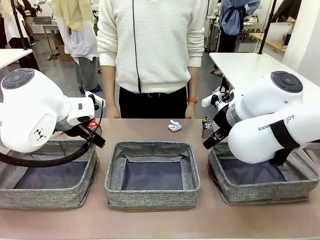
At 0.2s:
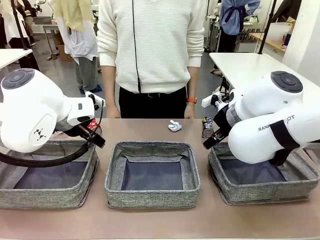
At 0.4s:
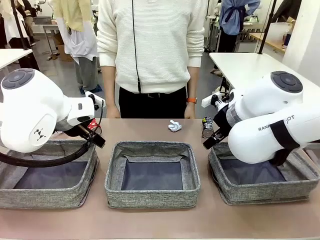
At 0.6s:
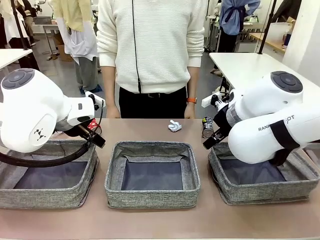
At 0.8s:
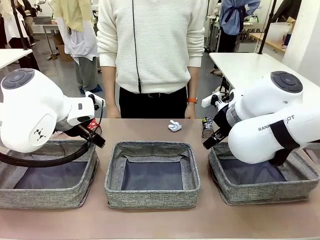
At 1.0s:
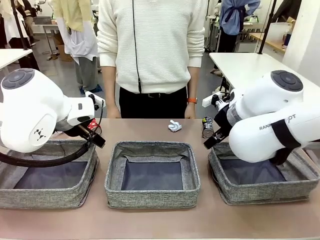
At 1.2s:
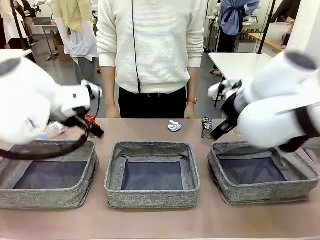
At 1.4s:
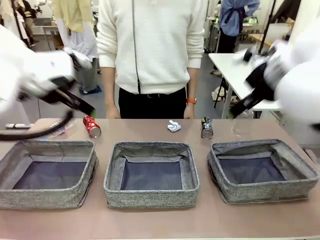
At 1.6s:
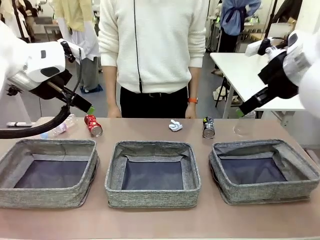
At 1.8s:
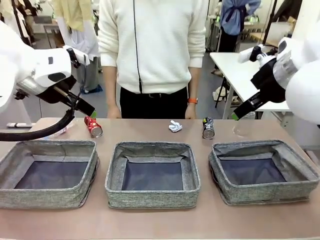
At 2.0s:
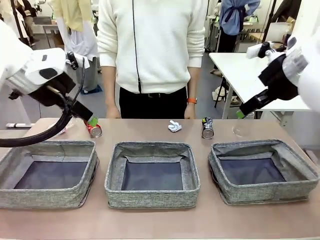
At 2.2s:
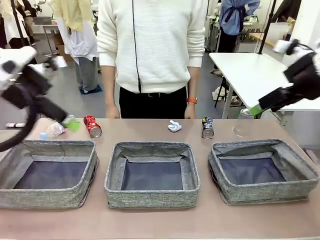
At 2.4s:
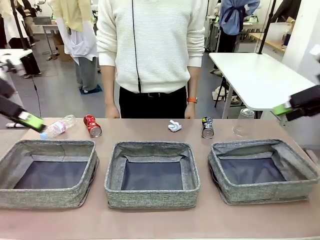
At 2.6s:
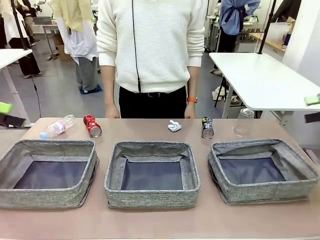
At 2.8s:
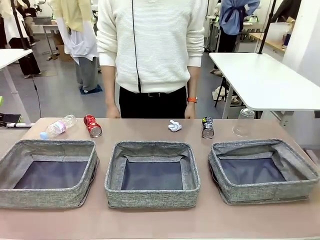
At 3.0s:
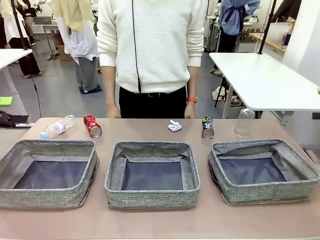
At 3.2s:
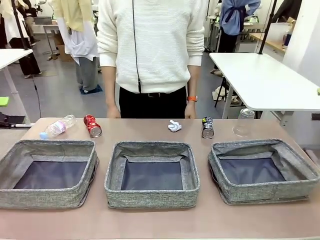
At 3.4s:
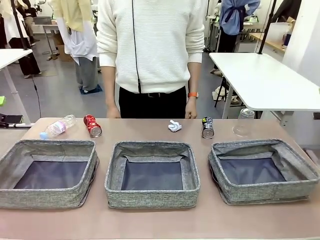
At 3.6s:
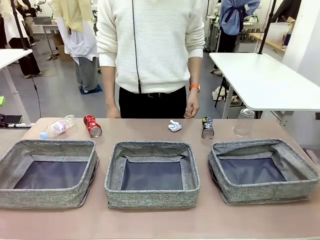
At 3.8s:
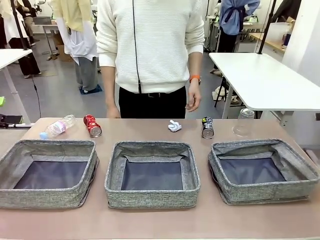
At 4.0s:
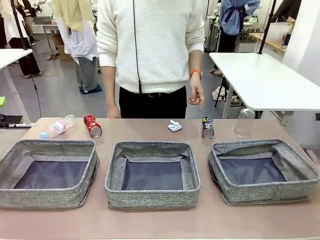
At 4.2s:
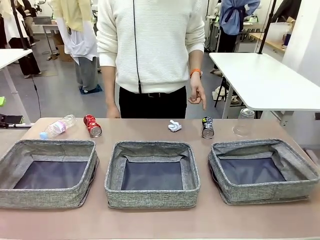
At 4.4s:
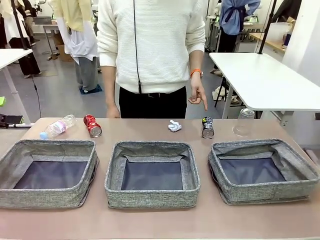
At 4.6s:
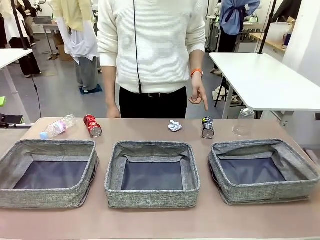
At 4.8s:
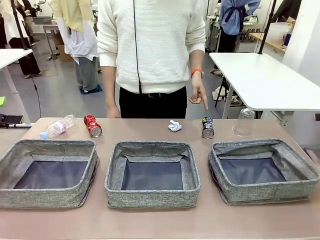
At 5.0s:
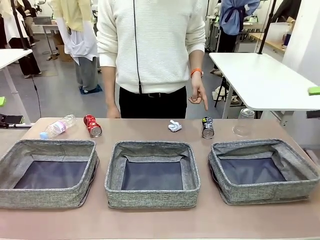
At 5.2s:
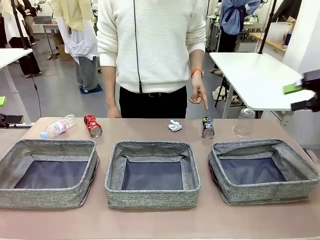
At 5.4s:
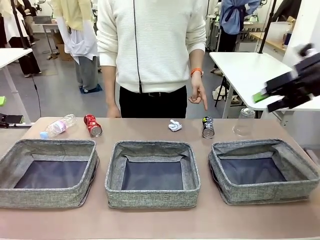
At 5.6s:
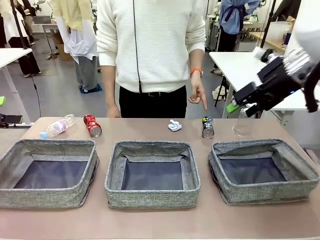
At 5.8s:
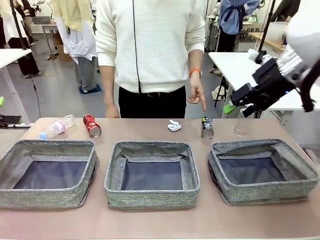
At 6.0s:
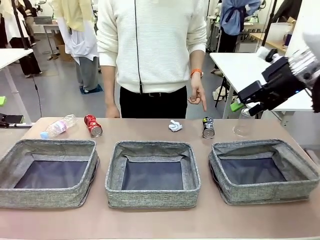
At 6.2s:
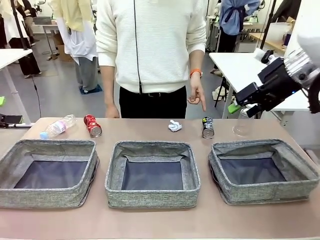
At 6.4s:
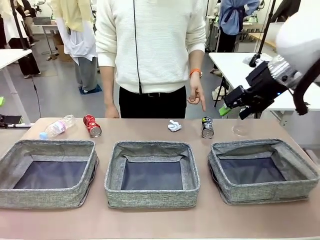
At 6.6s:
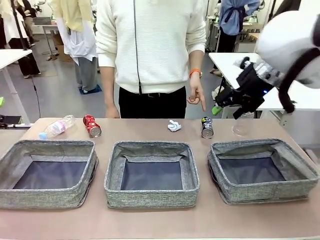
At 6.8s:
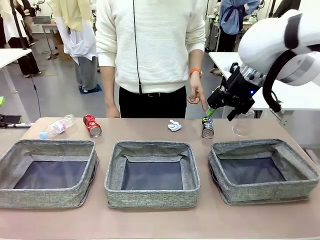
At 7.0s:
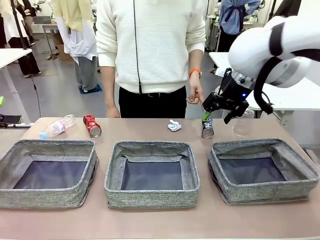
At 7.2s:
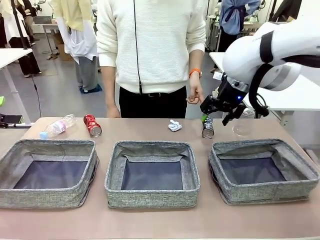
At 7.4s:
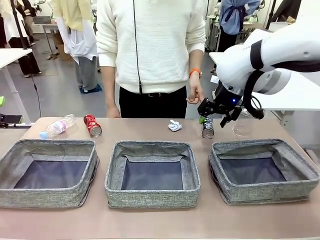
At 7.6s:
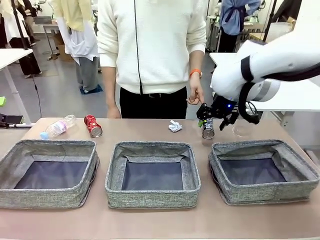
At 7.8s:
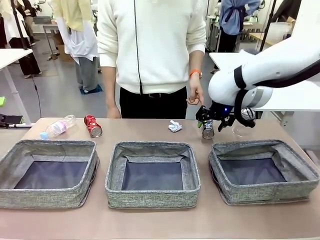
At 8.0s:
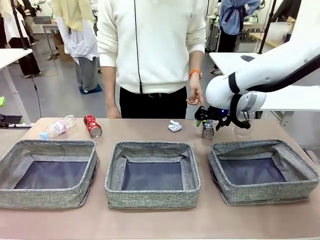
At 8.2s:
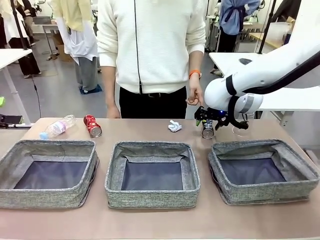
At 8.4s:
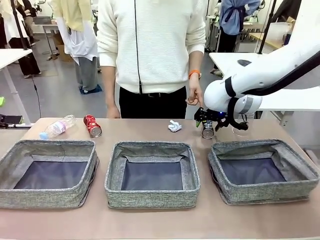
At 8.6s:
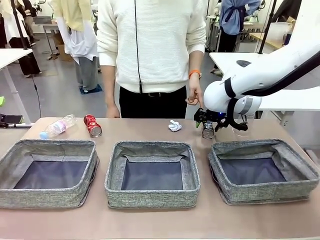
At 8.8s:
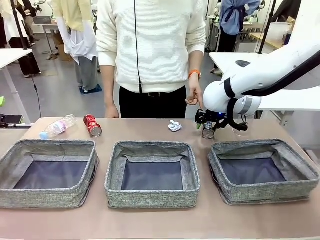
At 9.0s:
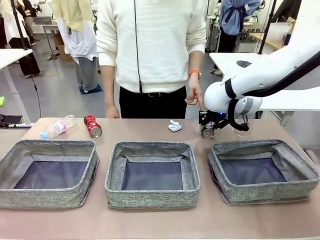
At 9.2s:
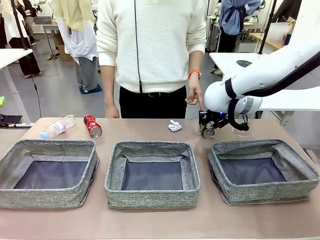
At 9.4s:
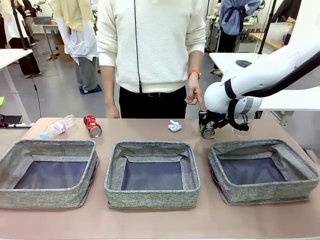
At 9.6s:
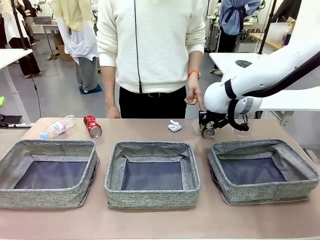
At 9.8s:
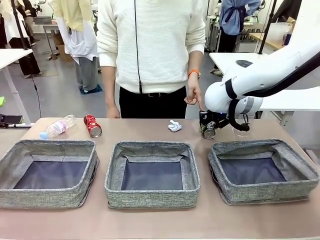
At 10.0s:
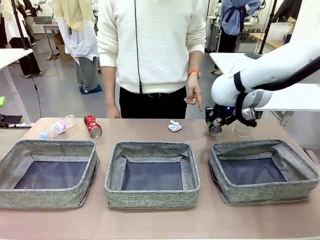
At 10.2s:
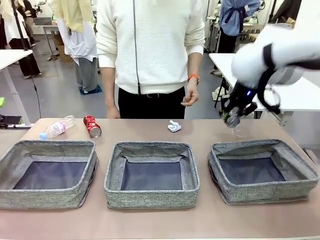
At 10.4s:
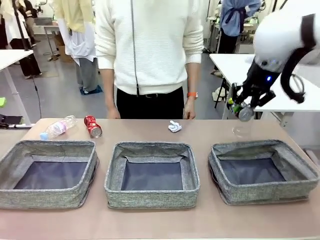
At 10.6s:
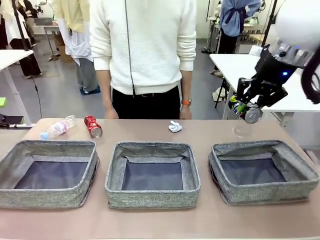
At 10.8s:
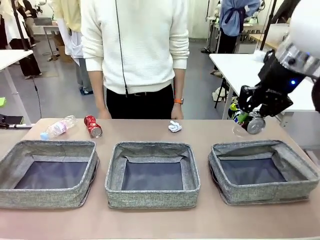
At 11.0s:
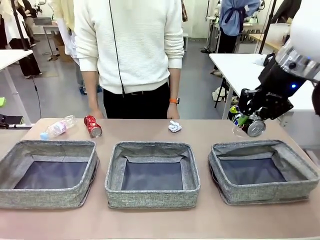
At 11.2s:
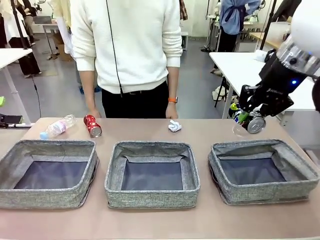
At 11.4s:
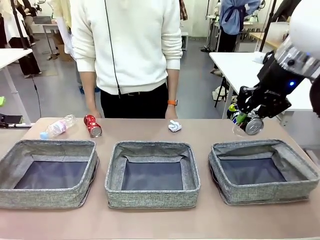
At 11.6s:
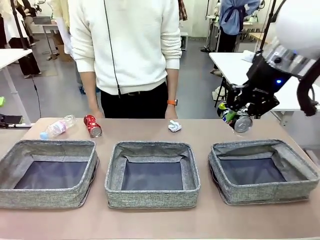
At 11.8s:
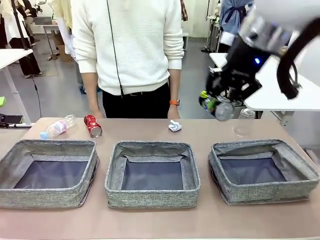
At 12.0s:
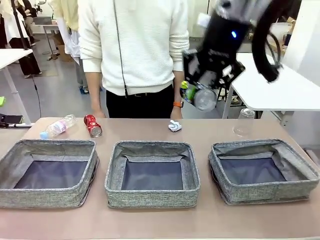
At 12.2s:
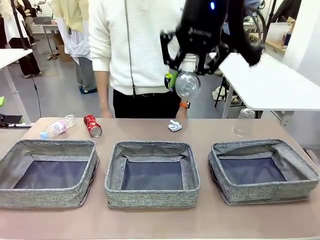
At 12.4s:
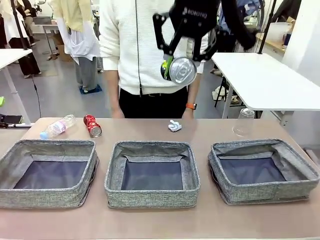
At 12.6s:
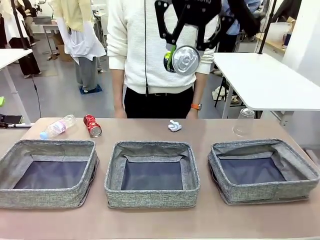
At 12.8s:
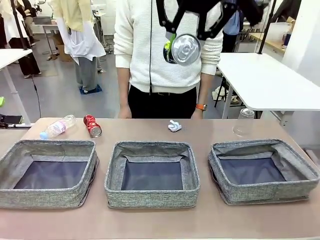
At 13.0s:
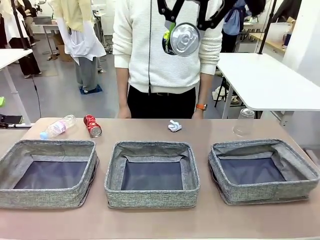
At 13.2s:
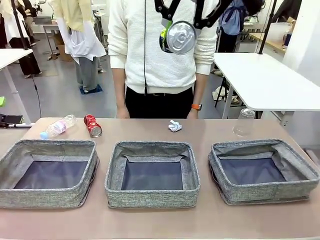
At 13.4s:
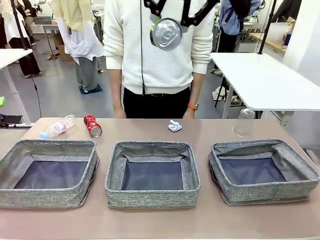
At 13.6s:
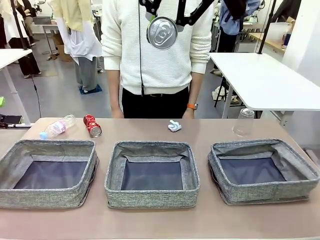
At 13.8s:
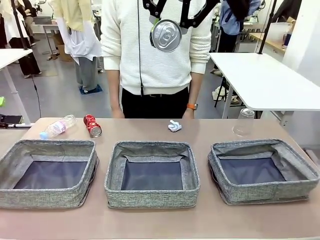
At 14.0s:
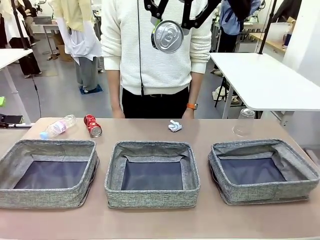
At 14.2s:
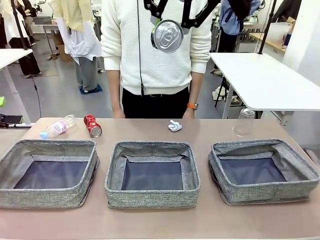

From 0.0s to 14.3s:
Task: Sort the waste into the appropriate baskets.
Robot: Pick up the waste item pointed out by the person.
Person: Points to one piece of trash on the table.

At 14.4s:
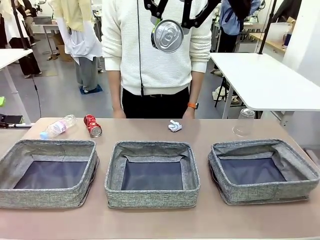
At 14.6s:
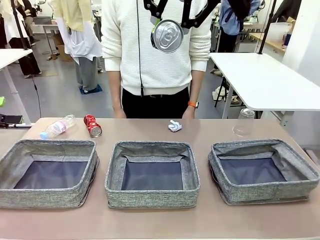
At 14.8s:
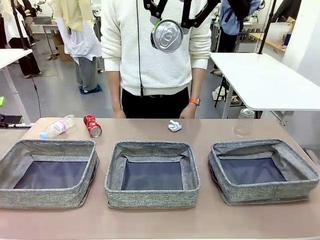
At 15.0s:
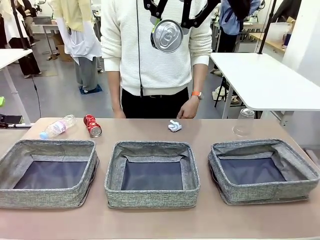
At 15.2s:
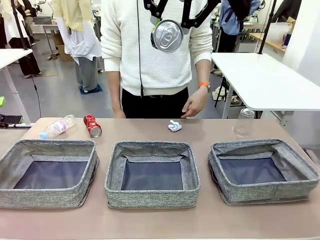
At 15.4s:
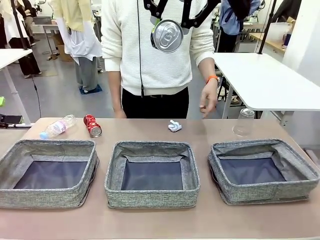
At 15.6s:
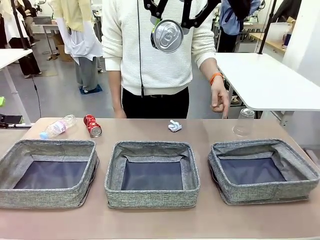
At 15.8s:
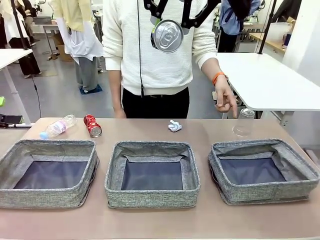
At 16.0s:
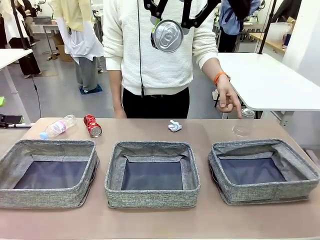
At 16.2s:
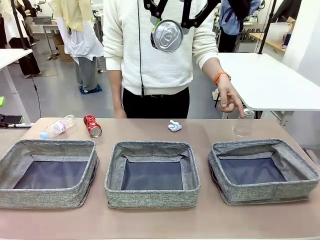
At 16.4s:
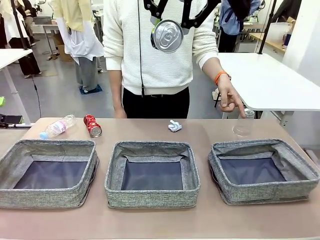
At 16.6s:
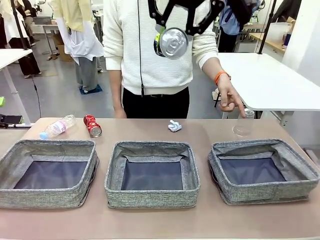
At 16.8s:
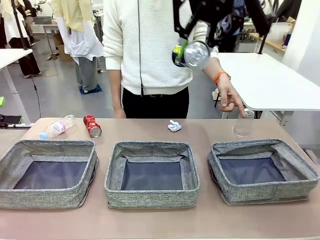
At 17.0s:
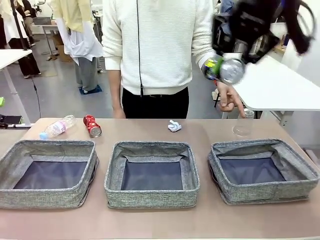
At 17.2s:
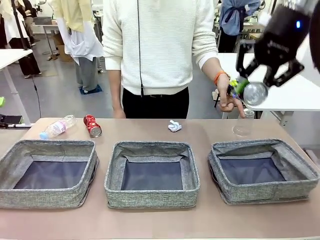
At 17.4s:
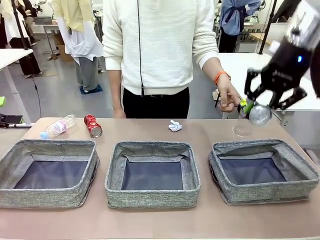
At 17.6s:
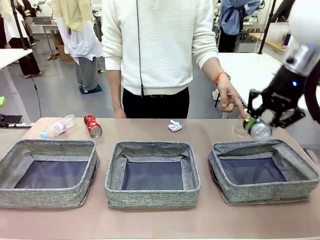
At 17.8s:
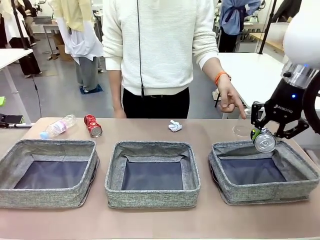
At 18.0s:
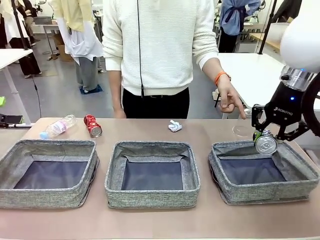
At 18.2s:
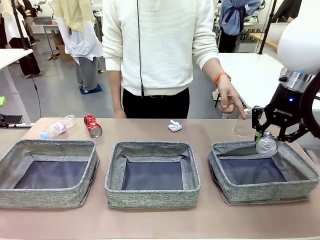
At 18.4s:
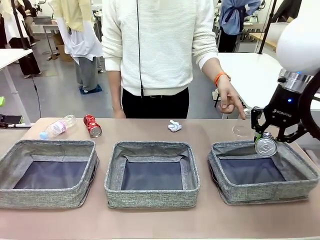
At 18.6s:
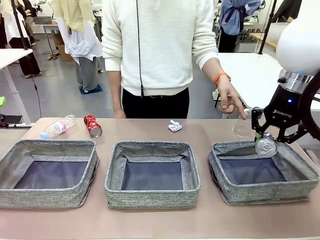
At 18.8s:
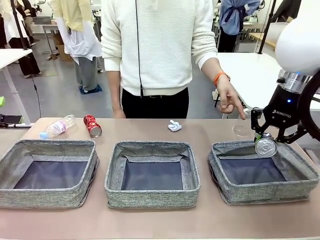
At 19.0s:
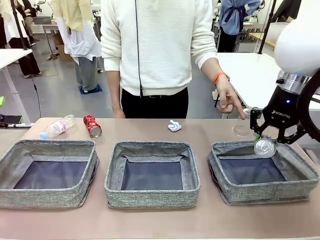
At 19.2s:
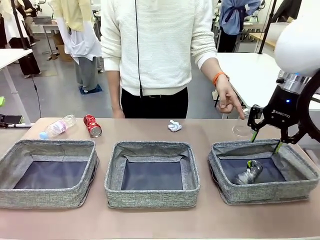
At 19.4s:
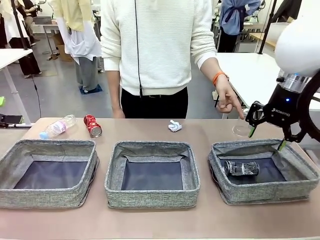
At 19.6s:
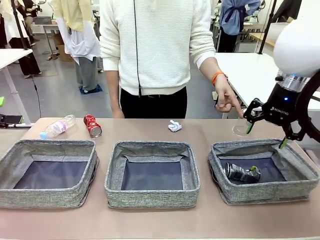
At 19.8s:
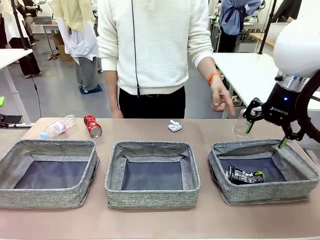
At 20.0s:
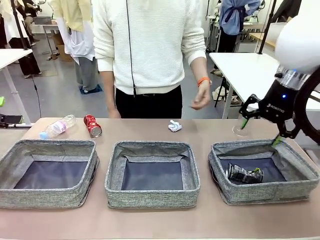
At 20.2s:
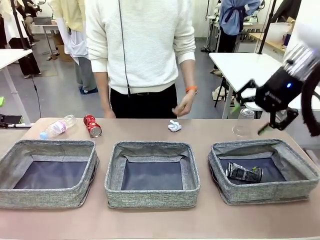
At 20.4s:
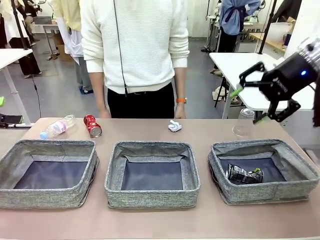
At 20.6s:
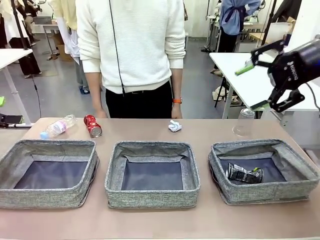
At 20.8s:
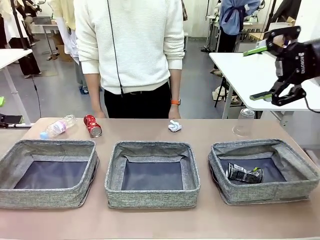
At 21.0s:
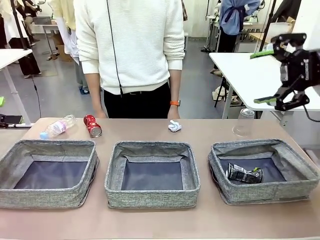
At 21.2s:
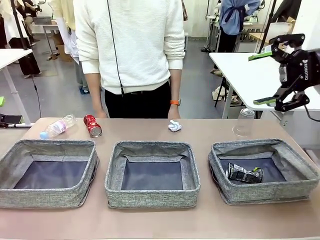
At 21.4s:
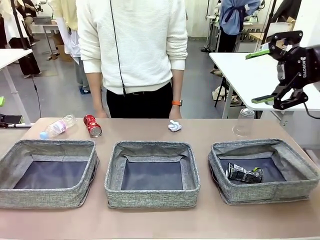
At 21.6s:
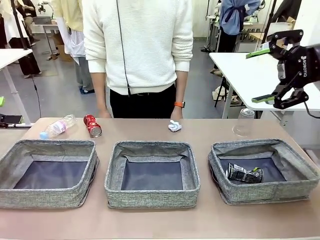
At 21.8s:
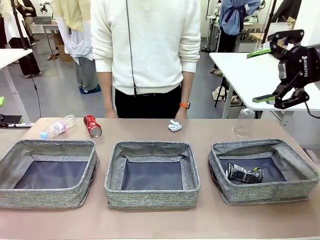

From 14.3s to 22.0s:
Robot: Place the picked waste into the Fabric basket indicated by the person.
Person: Instructs the robot to place the picked-up trash into the appropriate organizing basket.
